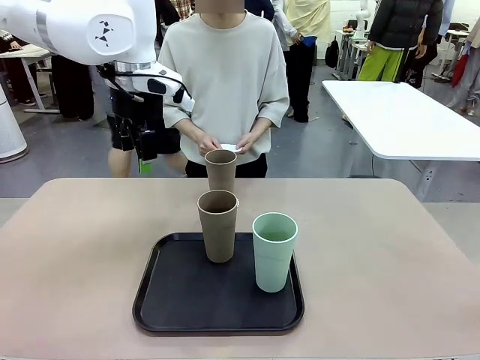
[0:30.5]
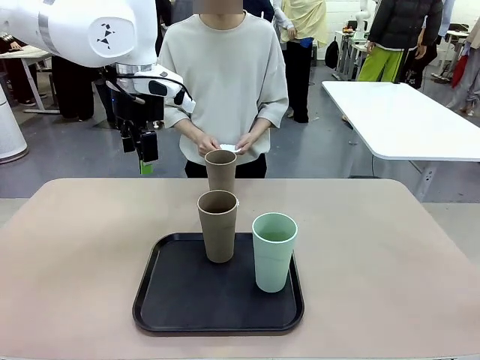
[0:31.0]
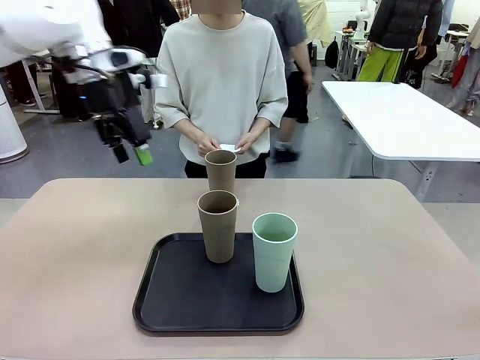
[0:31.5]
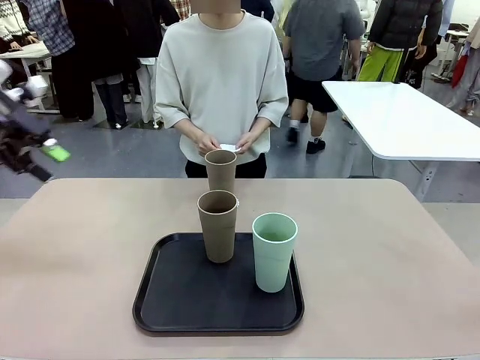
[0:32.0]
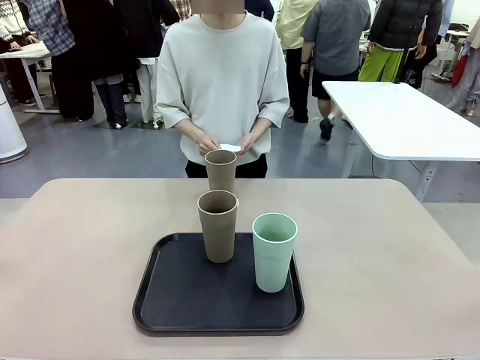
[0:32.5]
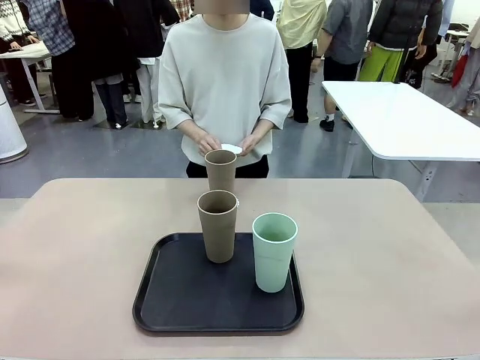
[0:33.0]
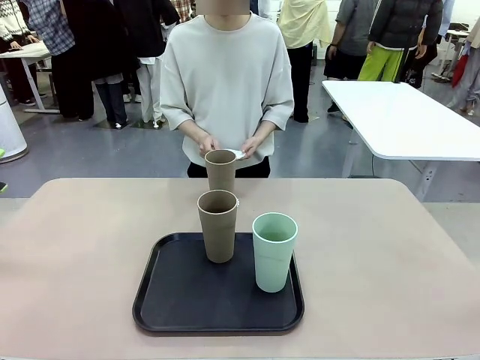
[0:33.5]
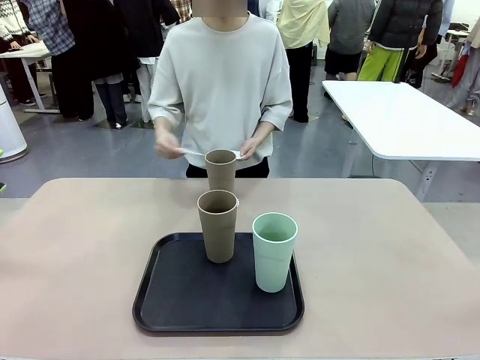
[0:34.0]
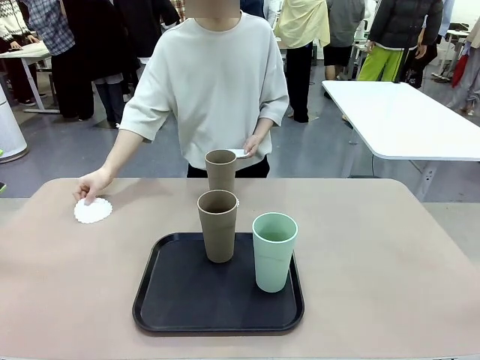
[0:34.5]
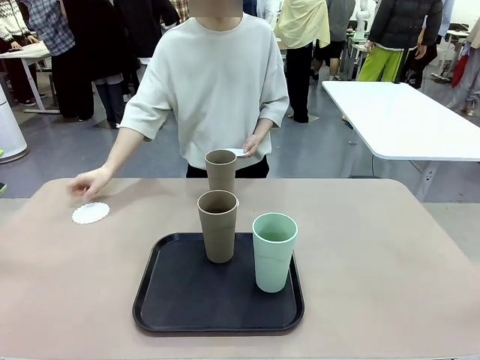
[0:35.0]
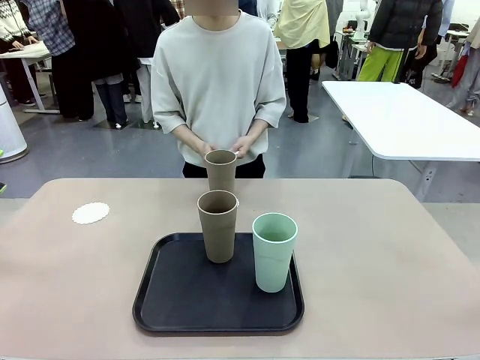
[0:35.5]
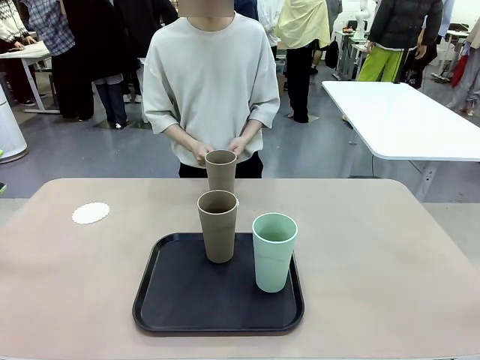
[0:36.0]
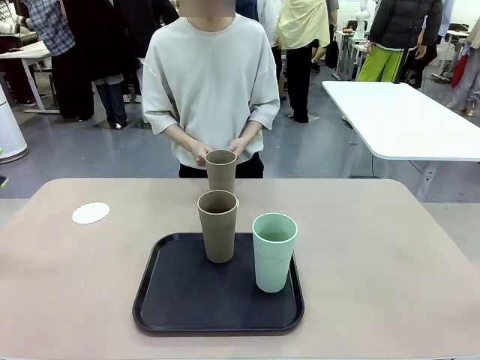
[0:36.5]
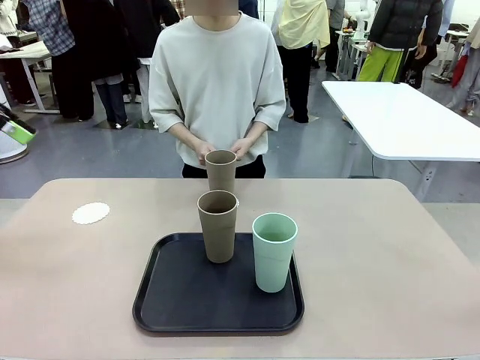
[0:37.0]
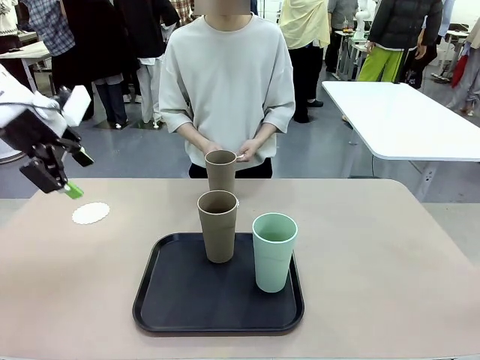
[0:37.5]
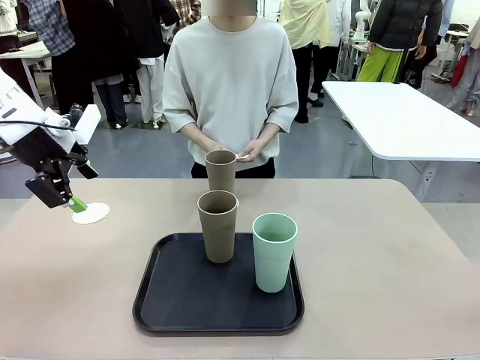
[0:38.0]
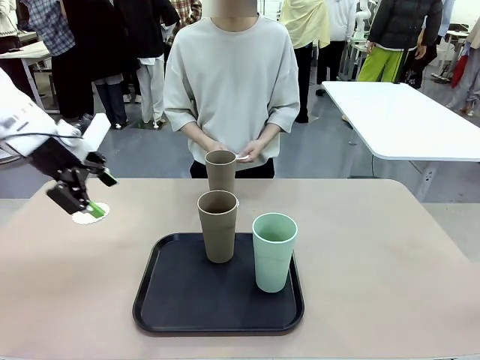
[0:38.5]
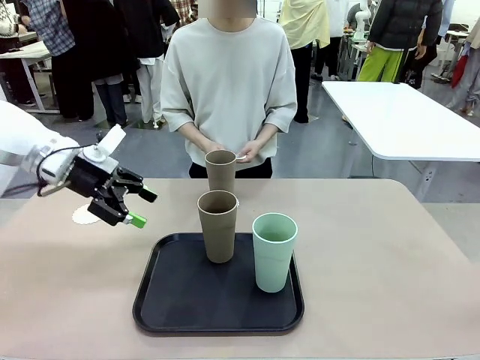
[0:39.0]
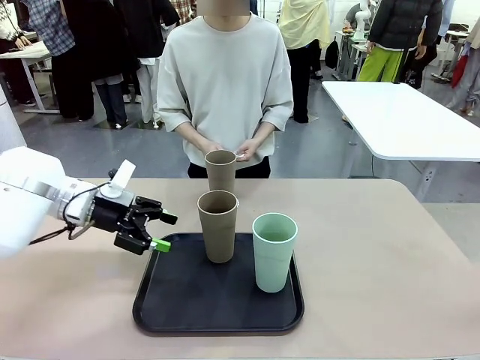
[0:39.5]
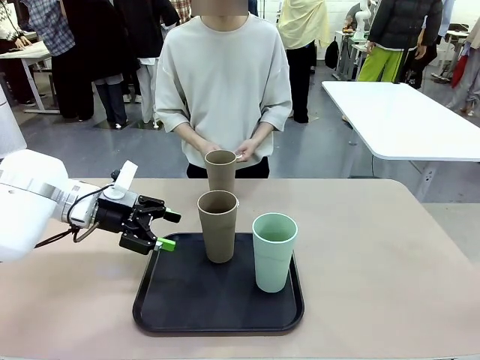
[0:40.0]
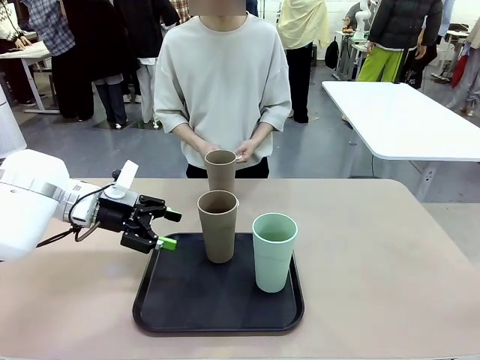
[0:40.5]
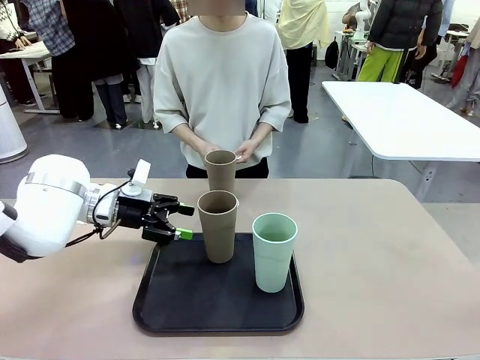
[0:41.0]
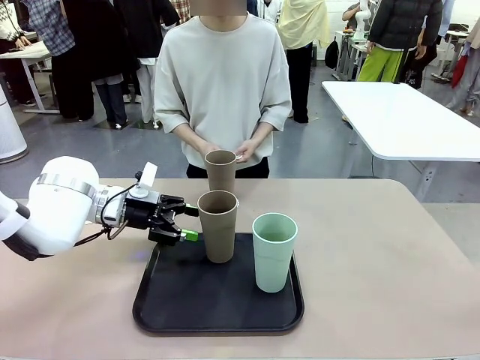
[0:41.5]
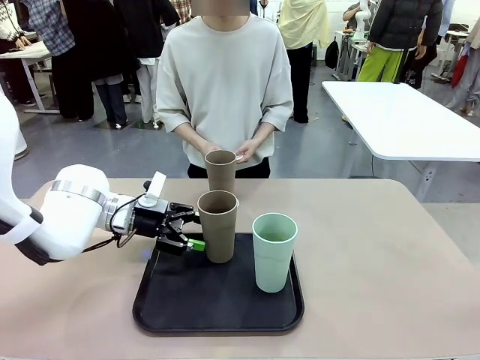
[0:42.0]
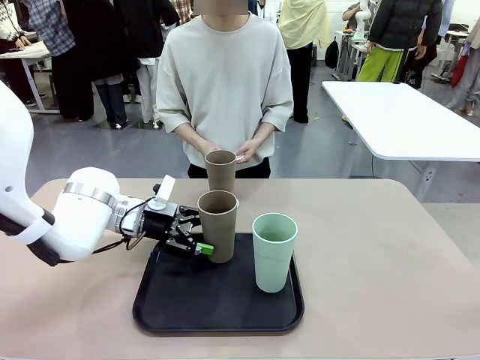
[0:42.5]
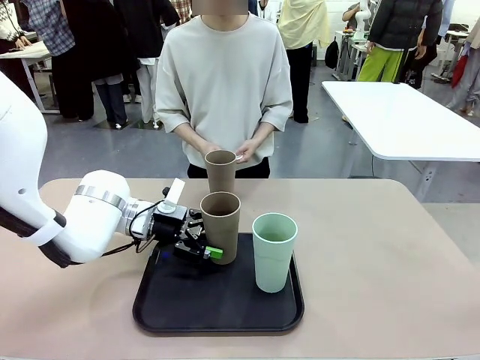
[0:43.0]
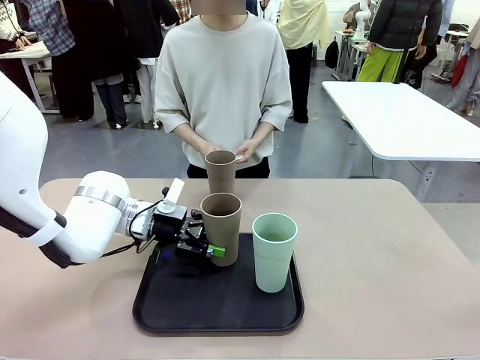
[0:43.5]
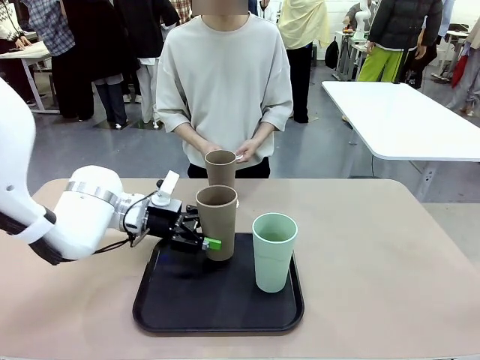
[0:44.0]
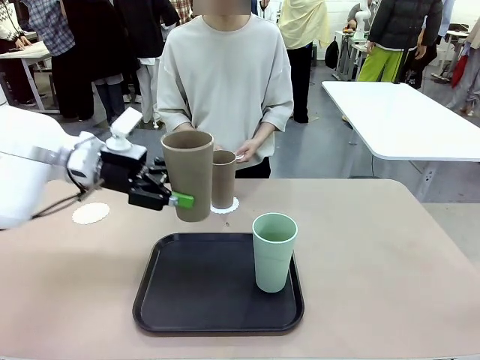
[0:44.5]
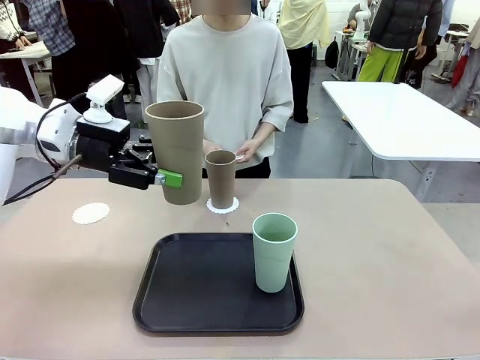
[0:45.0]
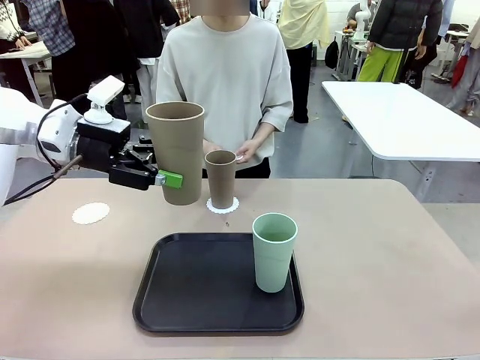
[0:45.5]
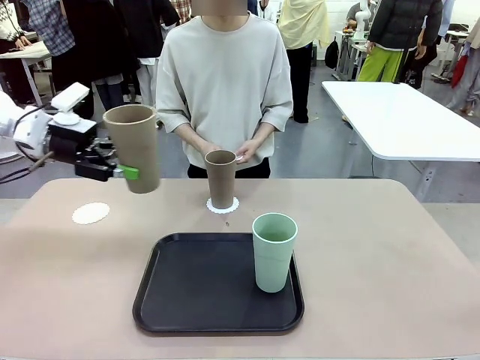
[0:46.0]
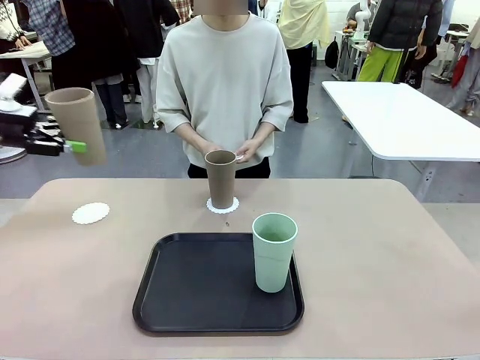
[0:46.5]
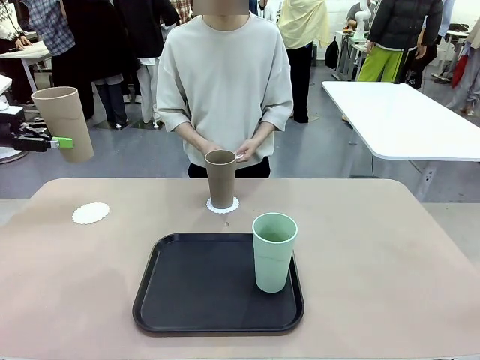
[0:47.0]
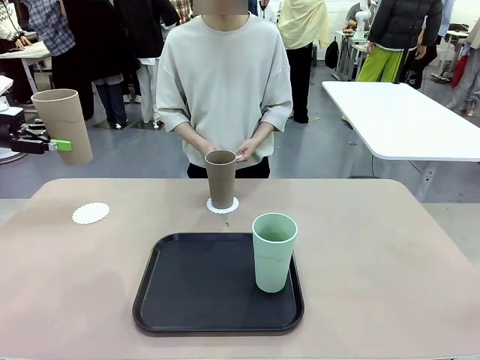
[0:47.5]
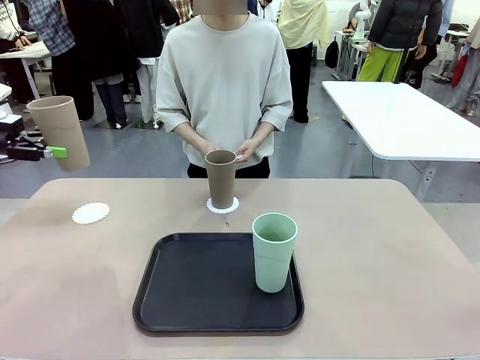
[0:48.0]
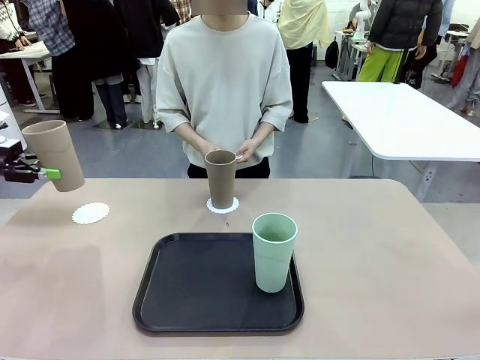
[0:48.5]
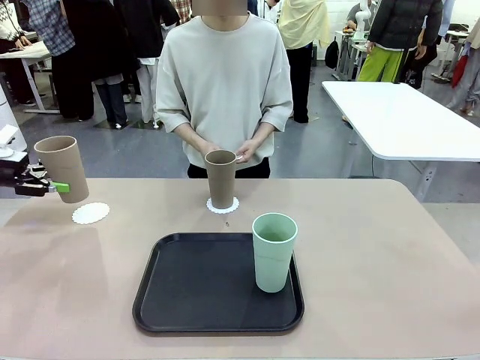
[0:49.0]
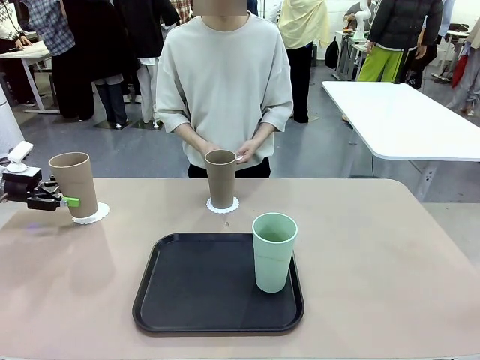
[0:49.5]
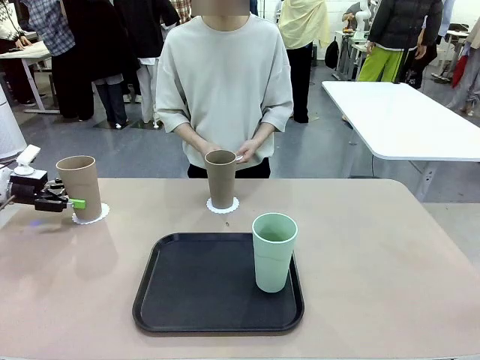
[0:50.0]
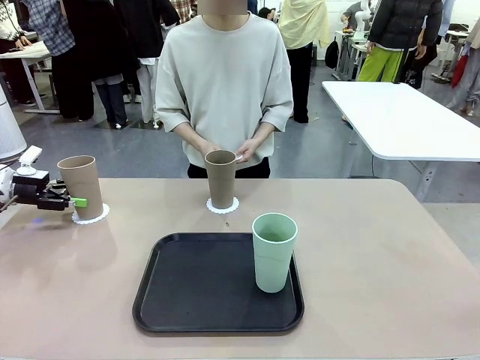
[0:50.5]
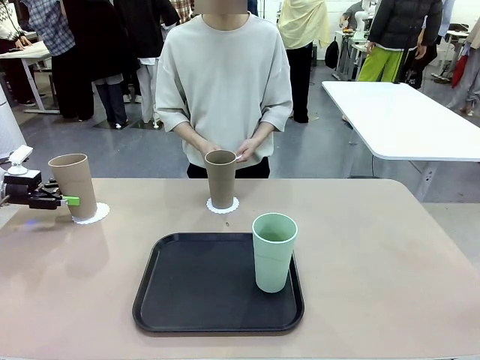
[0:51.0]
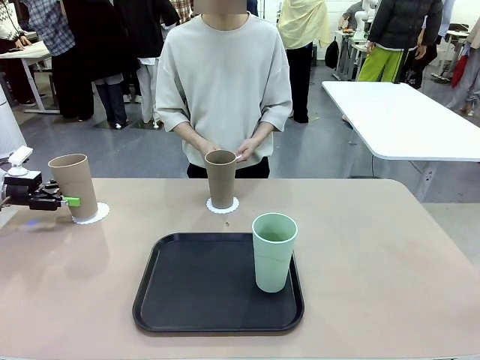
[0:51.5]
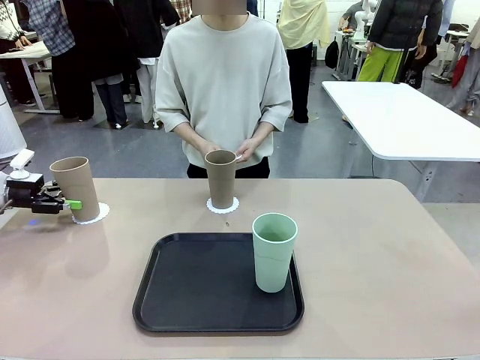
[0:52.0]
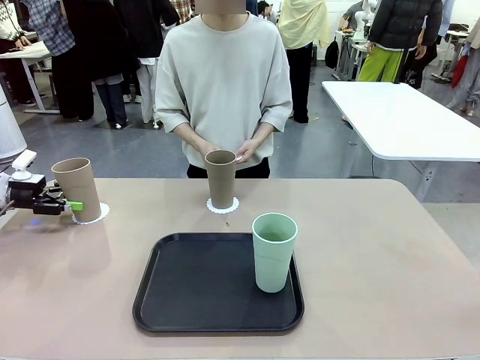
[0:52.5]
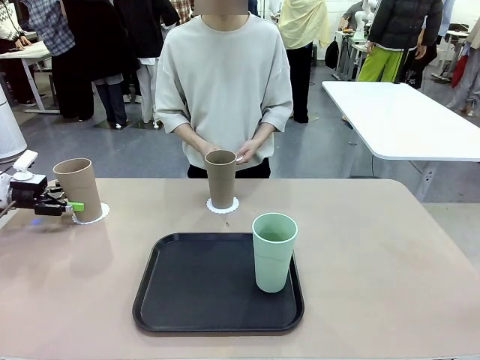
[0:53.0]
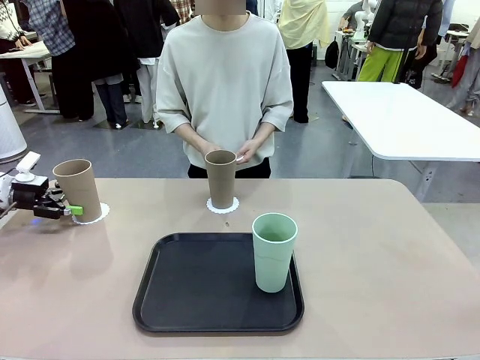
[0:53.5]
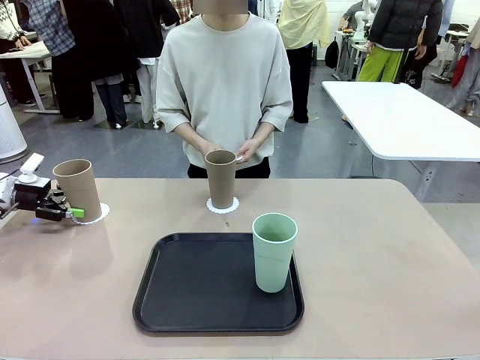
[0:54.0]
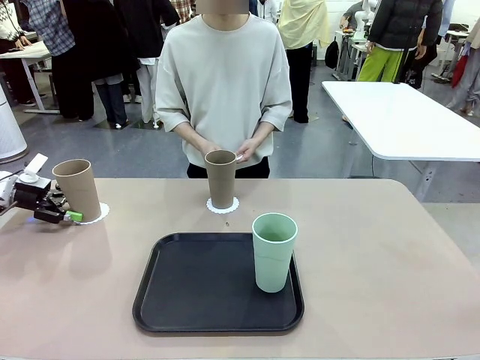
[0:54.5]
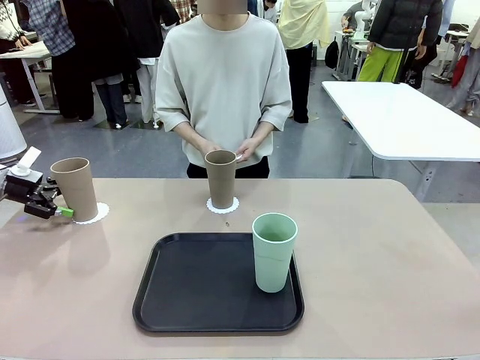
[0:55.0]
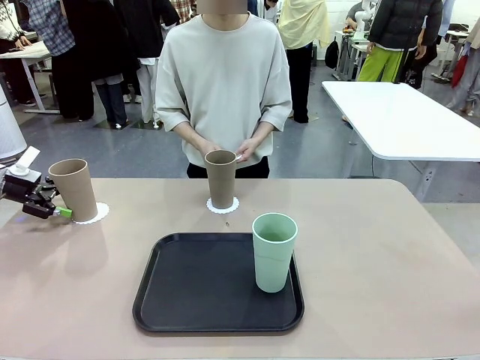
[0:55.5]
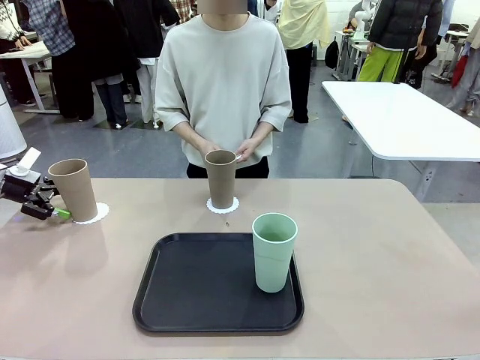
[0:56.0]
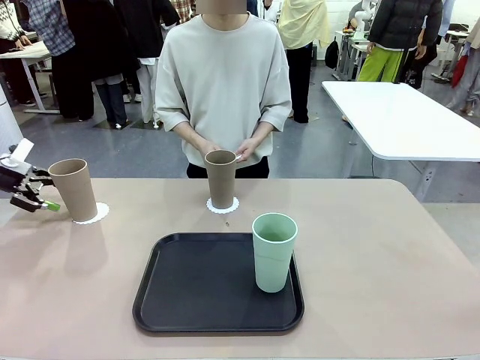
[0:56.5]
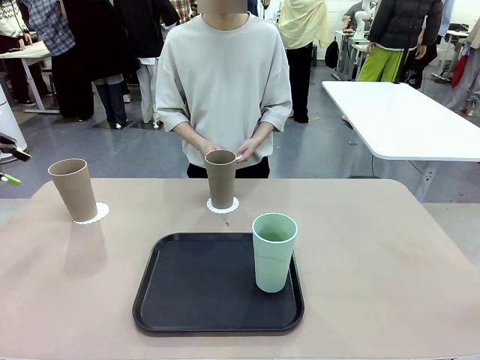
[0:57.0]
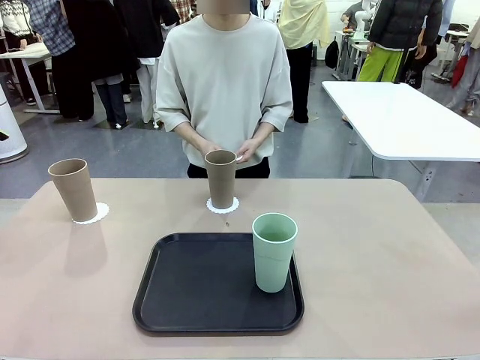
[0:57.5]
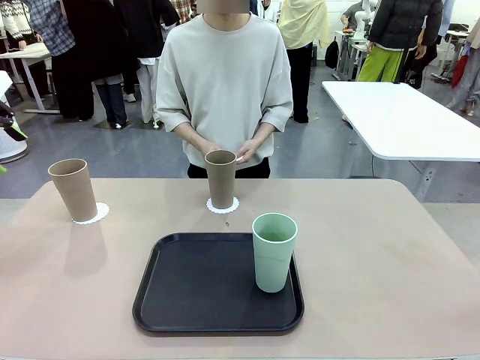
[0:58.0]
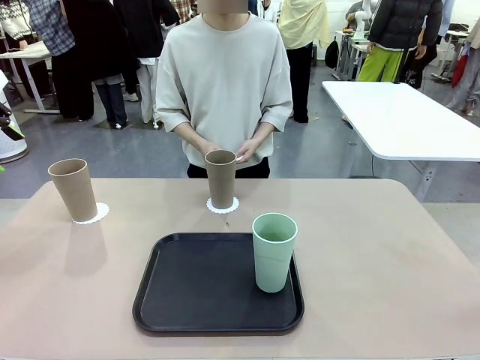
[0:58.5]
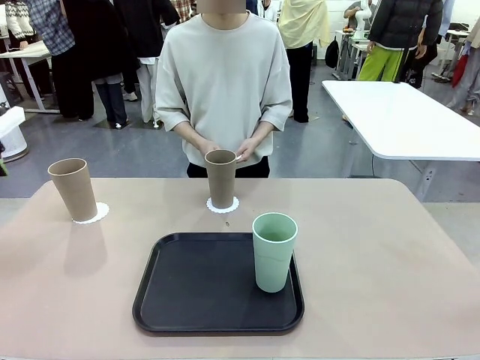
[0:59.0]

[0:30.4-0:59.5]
Task: Place coasters on the table and set cups on them.
Robot: Take one Reusable plastic cup from the Flat Tray and place it on a coaster set by the human.
